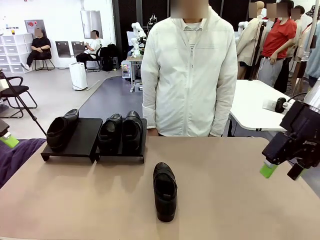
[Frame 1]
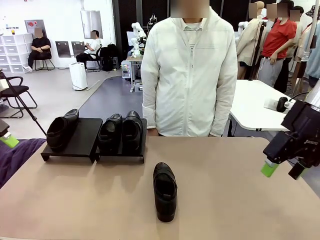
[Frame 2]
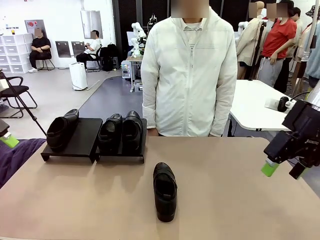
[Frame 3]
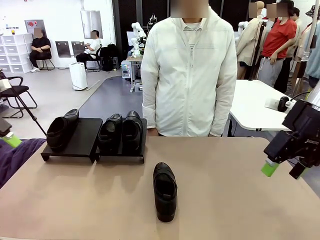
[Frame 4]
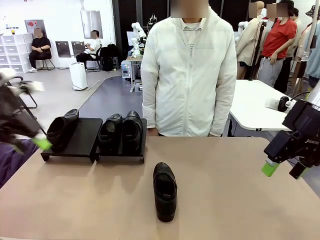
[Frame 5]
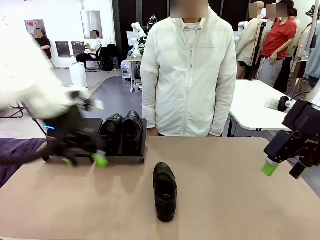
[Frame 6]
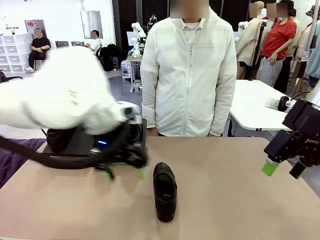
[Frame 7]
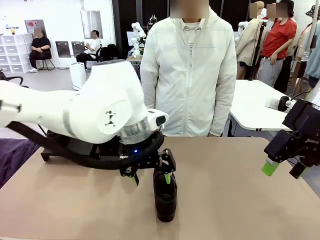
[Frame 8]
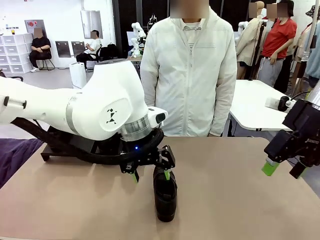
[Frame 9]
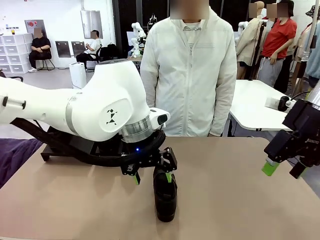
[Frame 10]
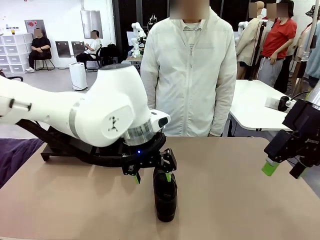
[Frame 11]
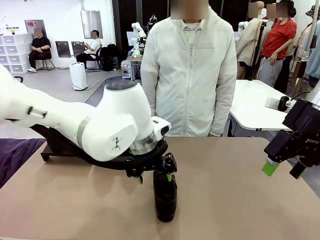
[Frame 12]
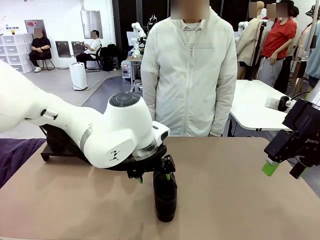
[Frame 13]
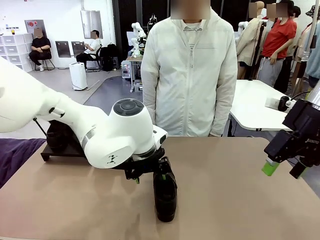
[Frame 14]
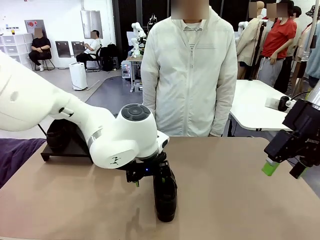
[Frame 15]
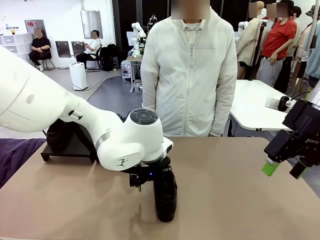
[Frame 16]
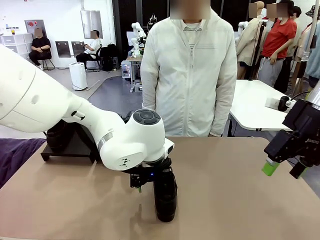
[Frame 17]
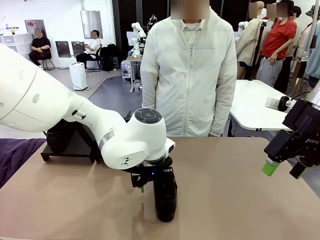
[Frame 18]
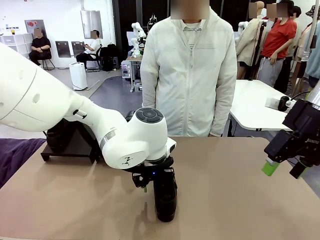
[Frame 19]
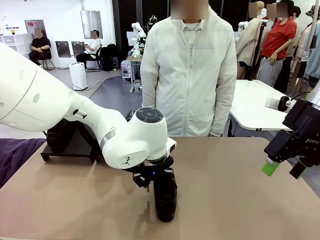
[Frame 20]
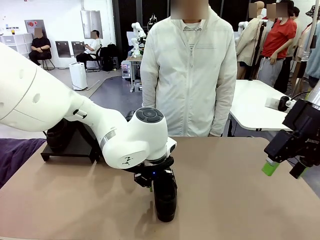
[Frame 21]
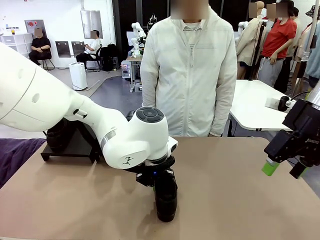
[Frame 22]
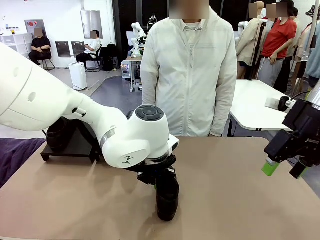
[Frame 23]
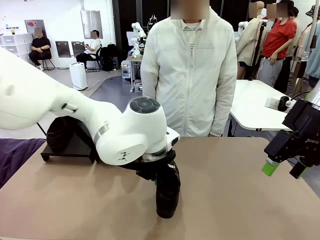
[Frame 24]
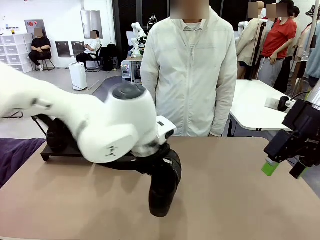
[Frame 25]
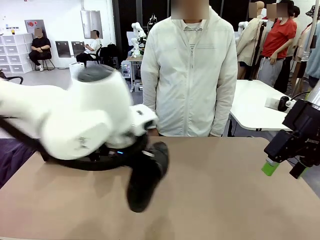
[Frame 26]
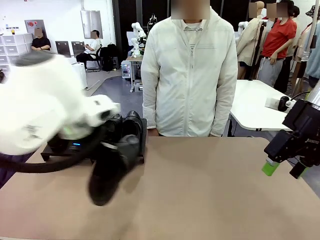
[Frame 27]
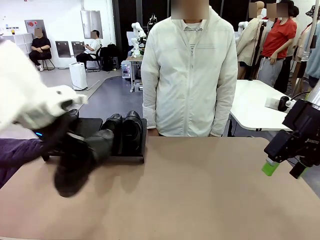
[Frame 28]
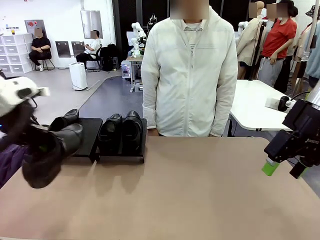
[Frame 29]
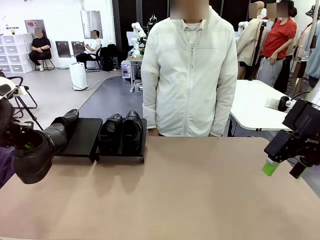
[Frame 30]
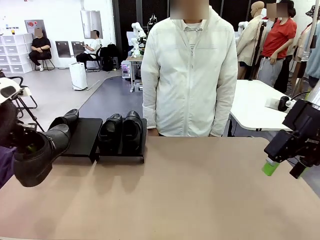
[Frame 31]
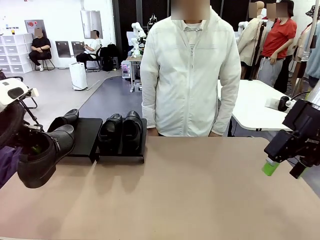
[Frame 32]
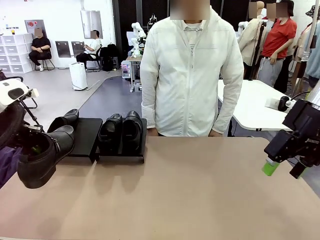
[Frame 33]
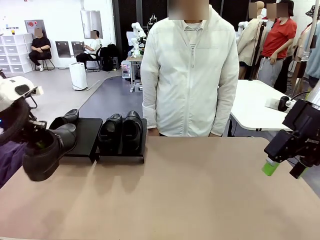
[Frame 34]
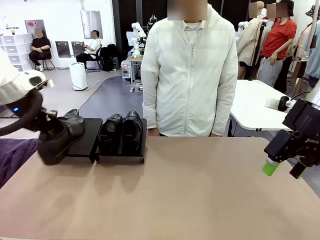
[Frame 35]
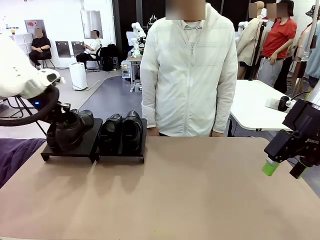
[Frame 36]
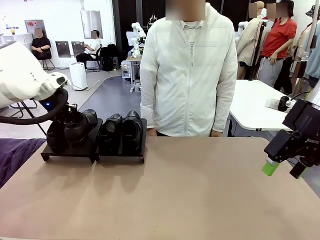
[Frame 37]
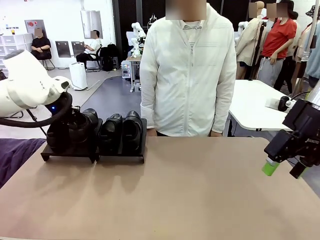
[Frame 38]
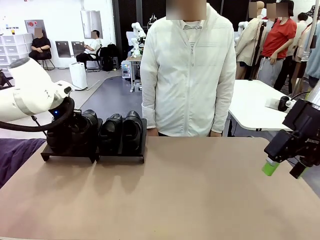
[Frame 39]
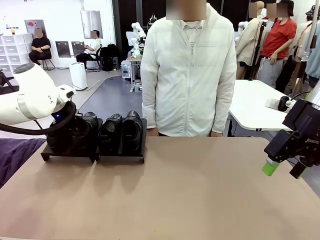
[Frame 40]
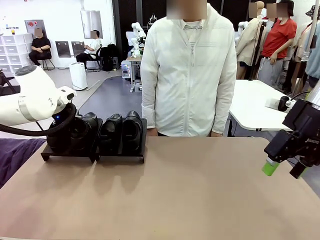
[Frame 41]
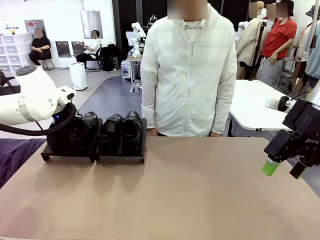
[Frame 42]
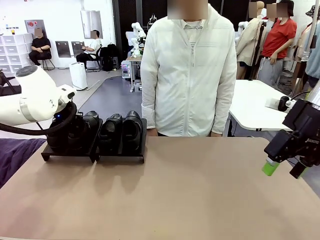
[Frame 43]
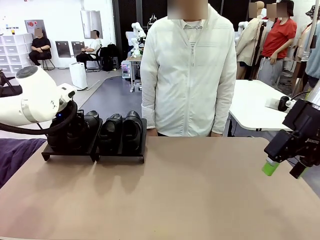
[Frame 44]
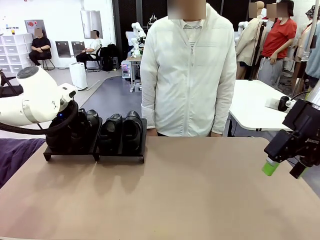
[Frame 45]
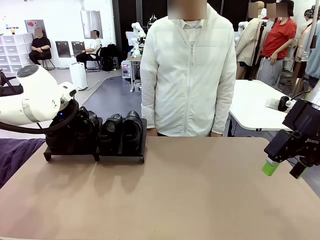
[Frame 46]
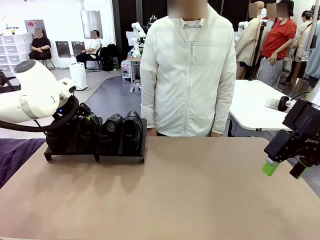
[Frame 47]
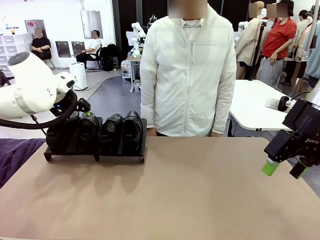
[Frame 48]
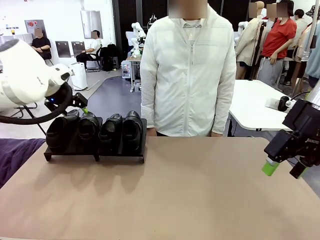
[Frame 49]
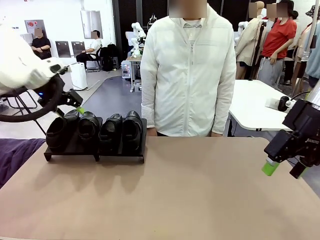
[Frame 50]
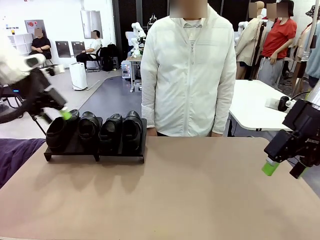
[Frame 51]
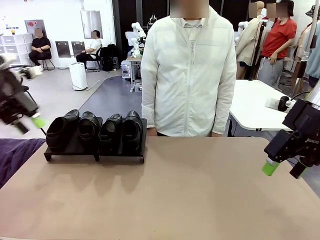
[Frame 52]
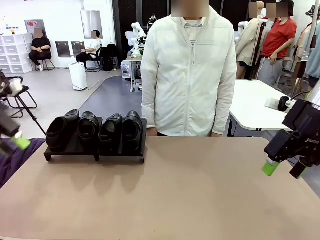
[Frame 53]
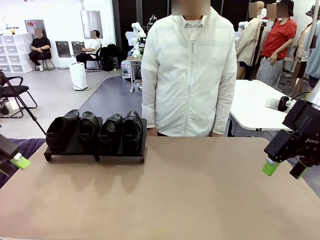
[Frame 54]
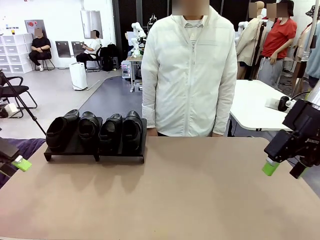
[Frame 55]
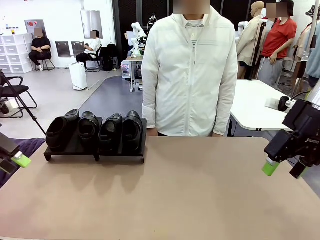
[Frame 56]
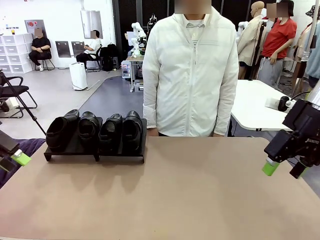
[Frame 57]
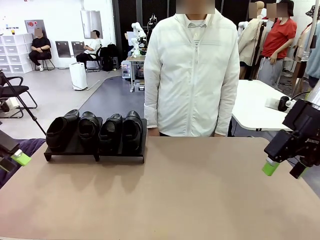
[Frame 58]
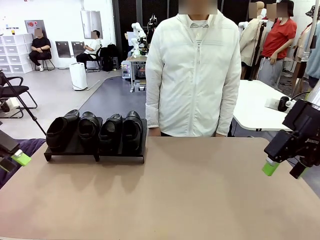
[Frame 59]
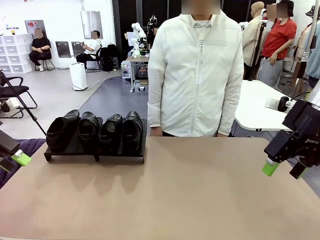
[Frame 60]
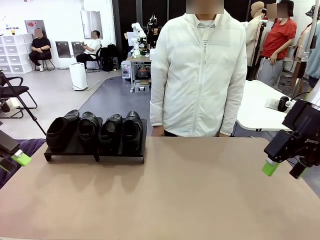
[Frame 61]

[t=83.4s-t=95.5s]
Task: Organize the shoes by placing them on the stand.
Robot: Place the Shoe from the middle of the table onto the Shoes Stand.
